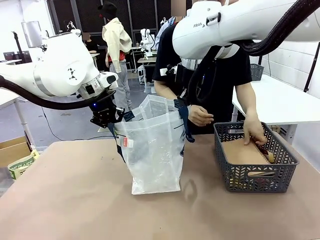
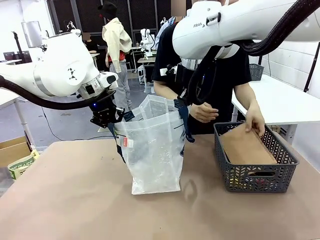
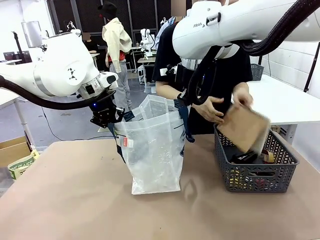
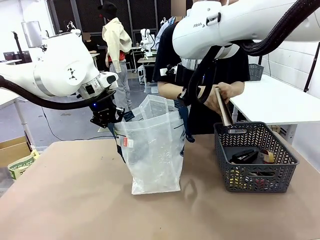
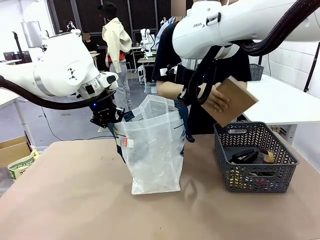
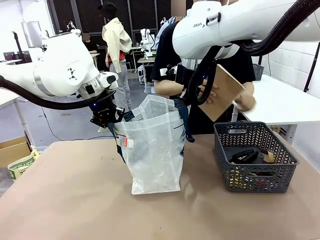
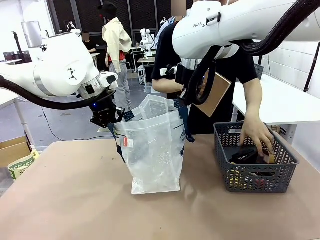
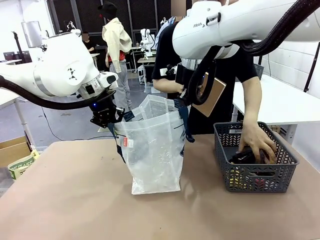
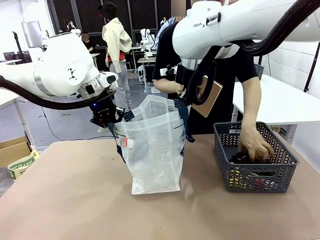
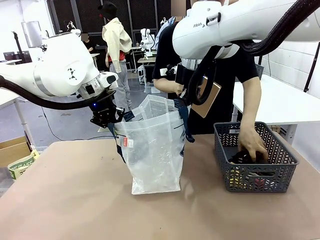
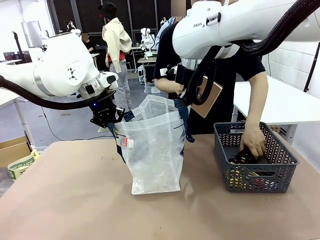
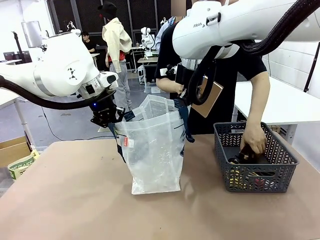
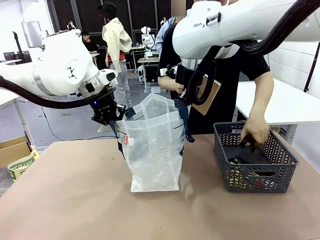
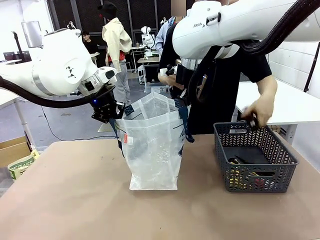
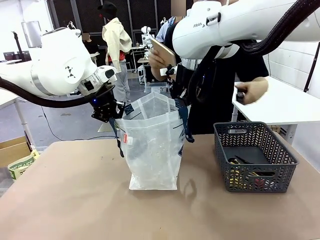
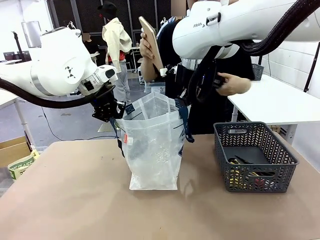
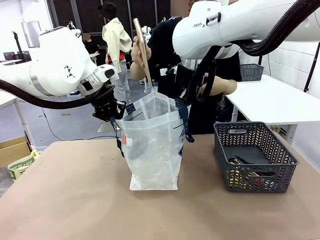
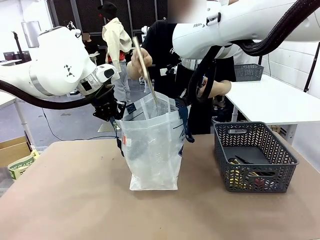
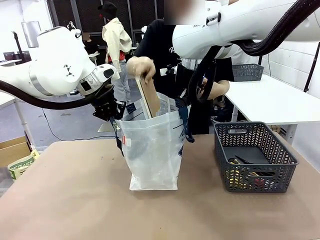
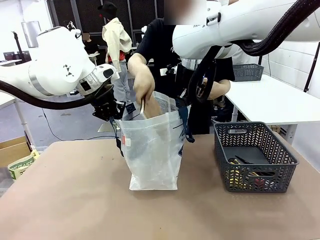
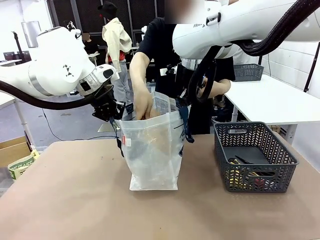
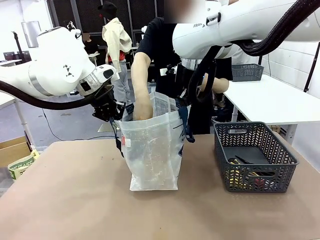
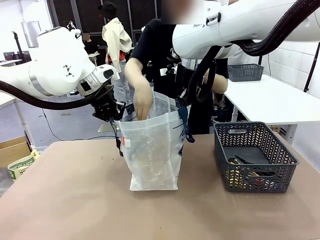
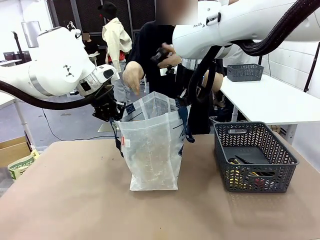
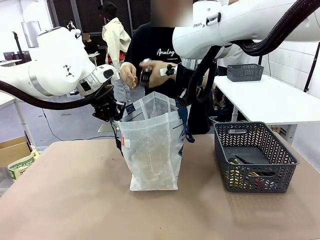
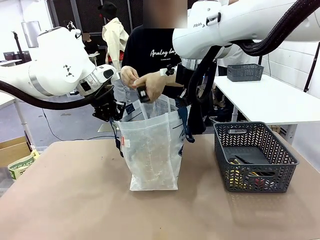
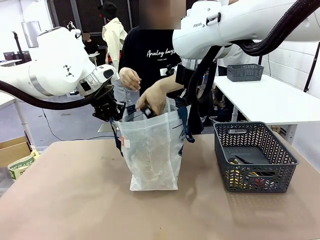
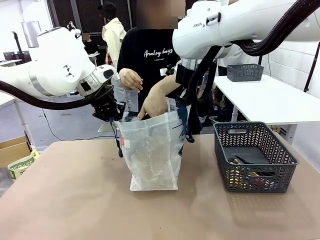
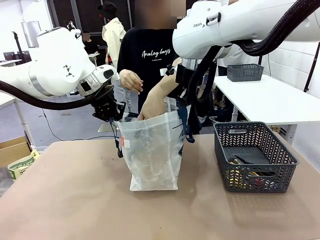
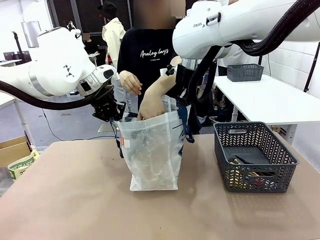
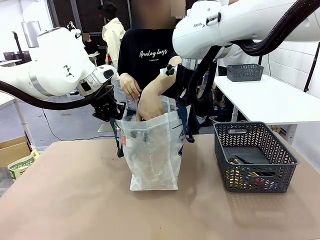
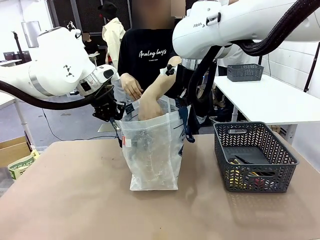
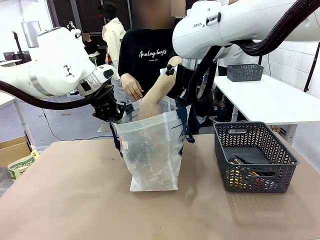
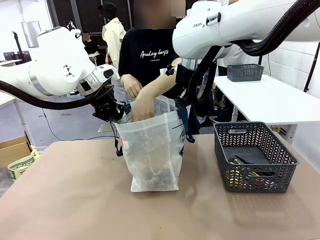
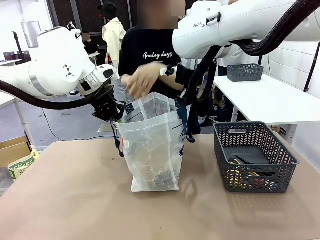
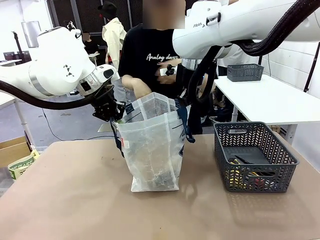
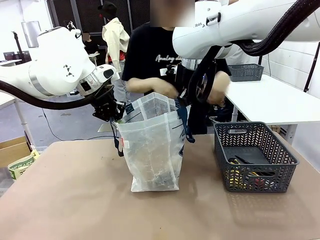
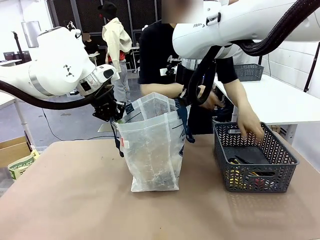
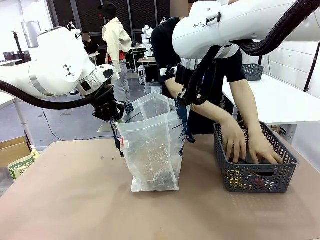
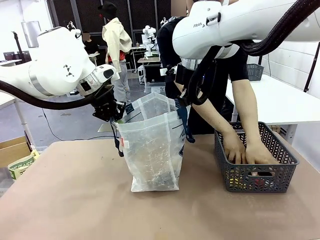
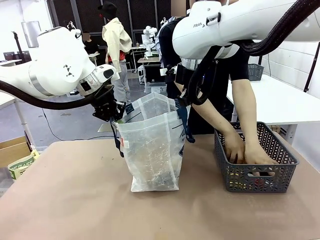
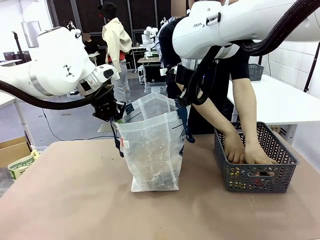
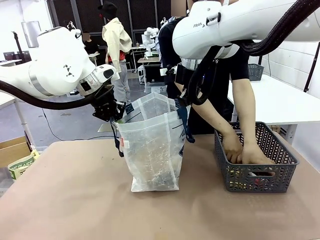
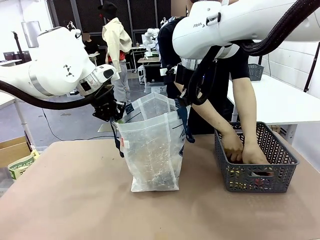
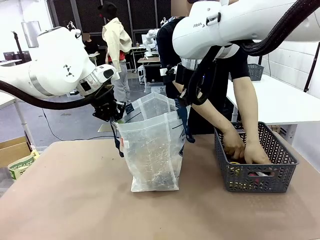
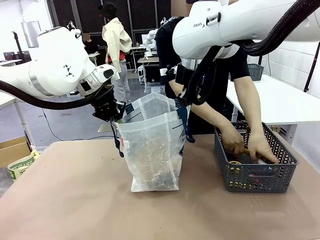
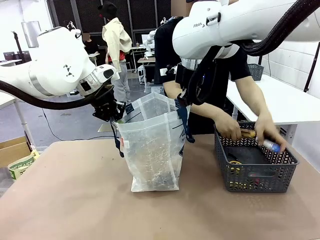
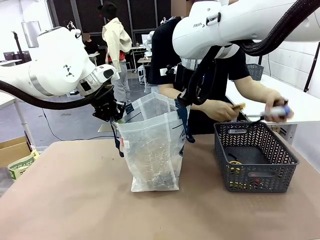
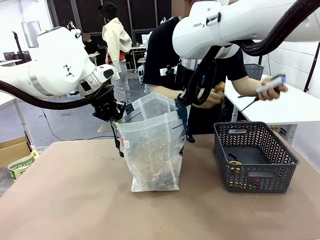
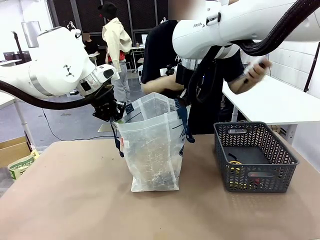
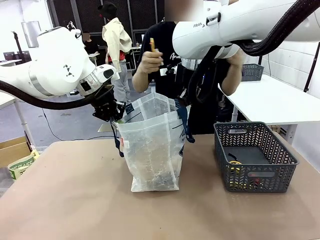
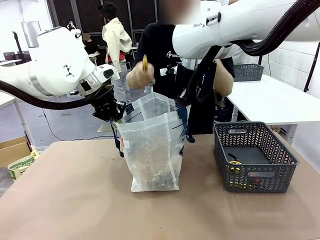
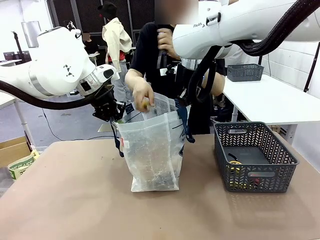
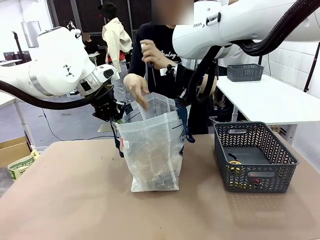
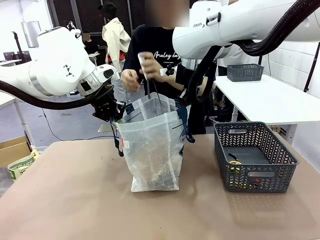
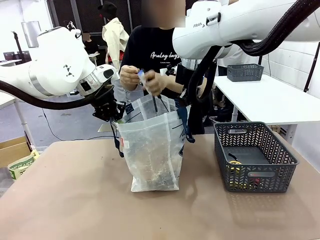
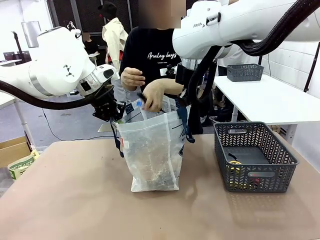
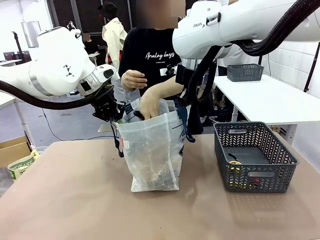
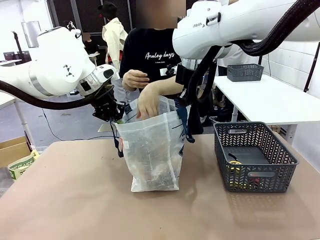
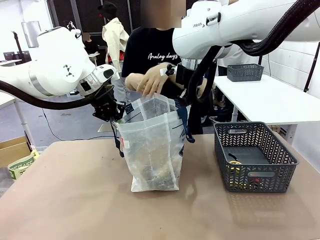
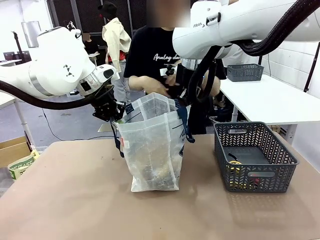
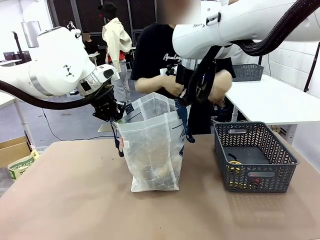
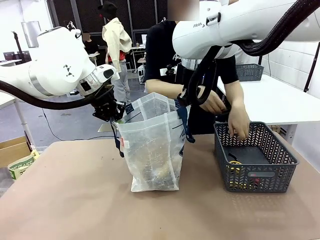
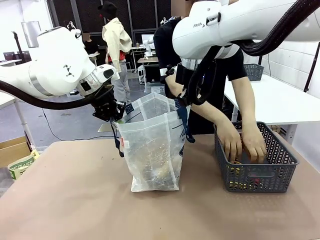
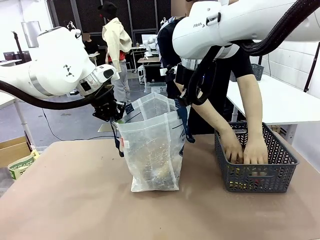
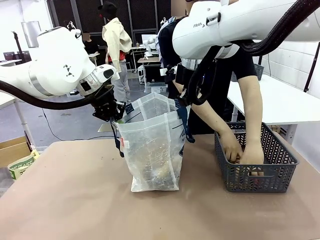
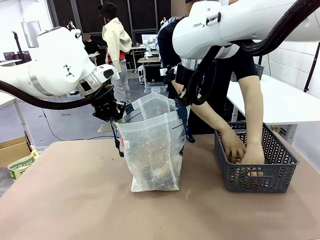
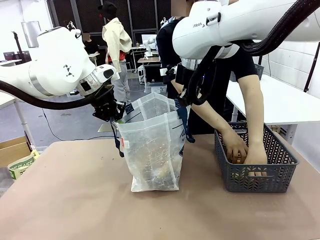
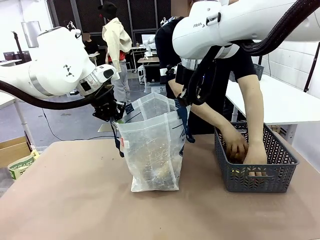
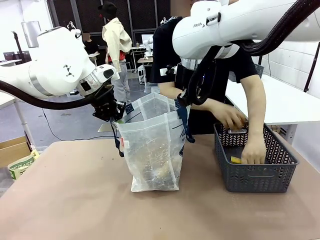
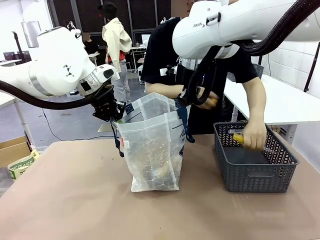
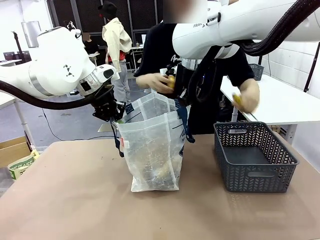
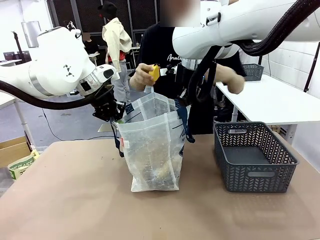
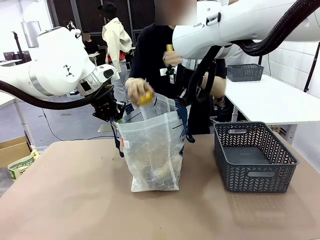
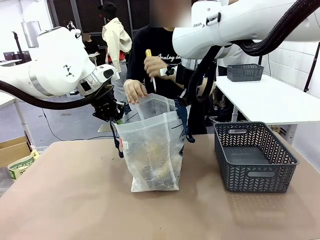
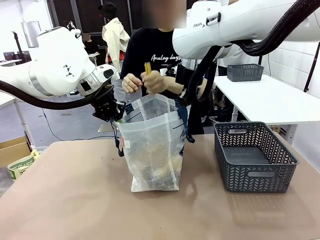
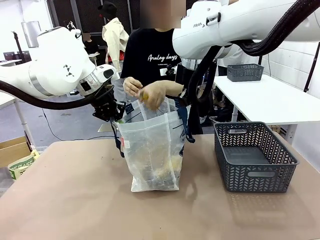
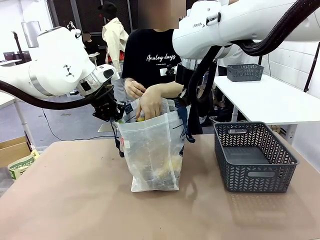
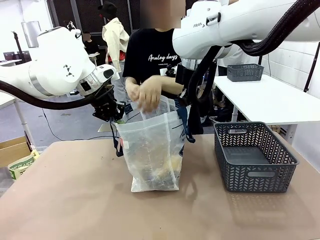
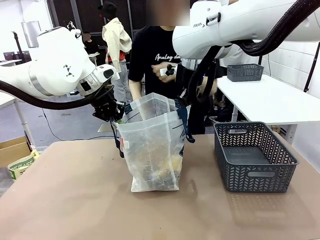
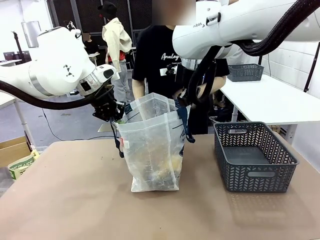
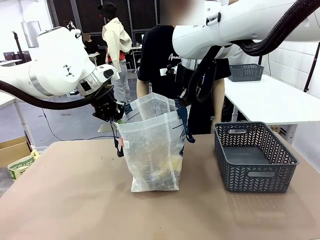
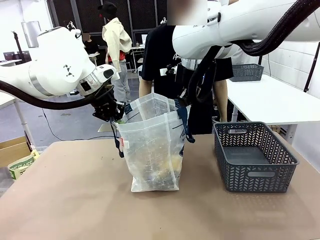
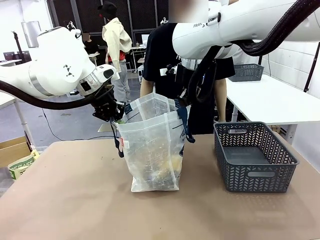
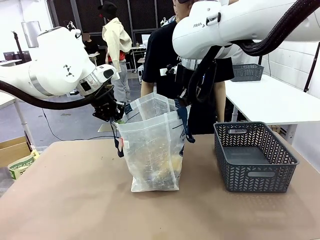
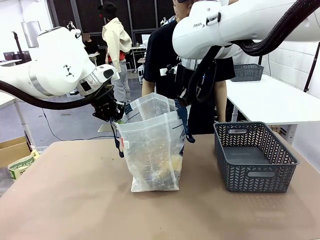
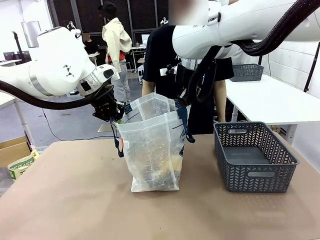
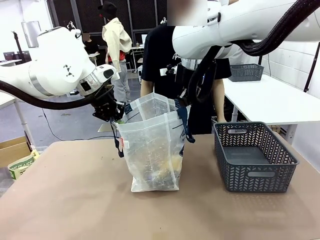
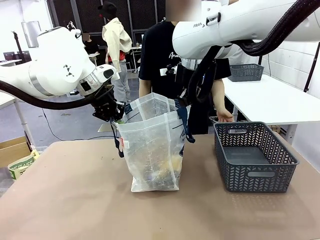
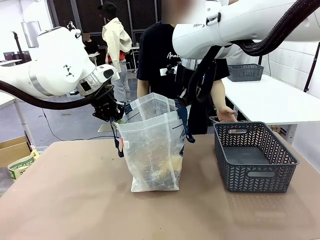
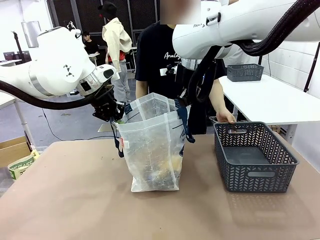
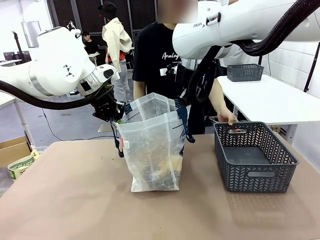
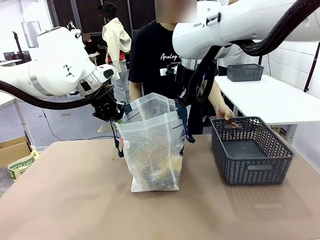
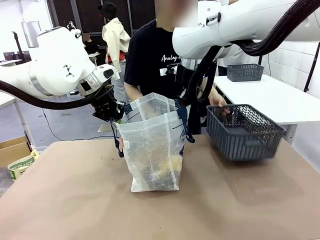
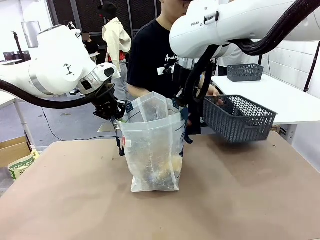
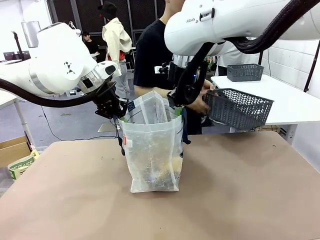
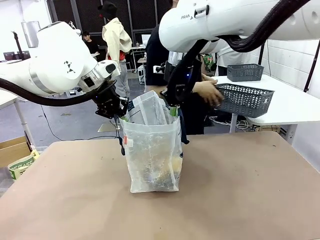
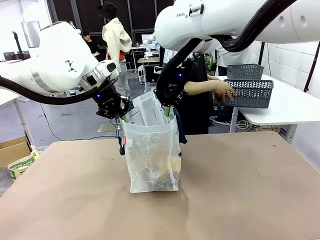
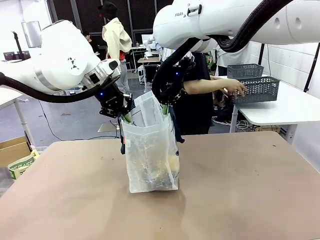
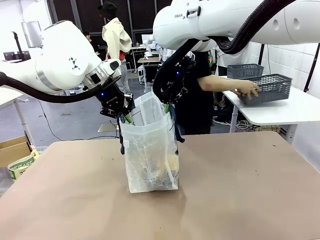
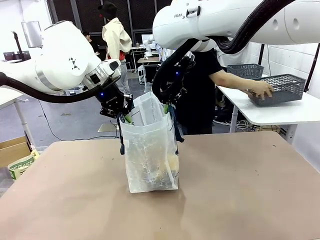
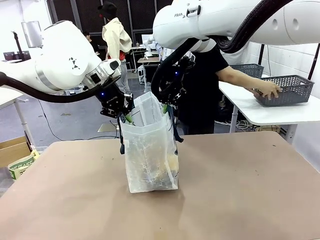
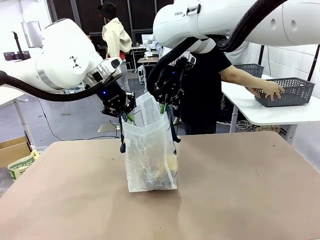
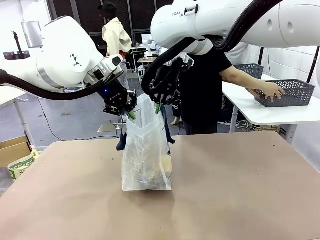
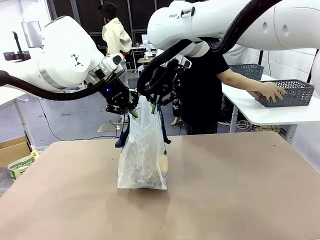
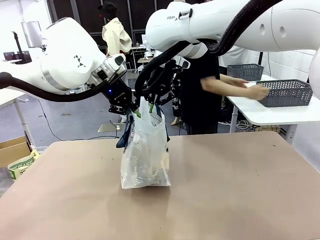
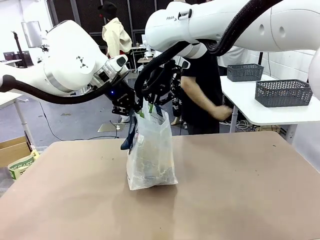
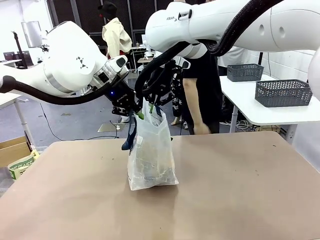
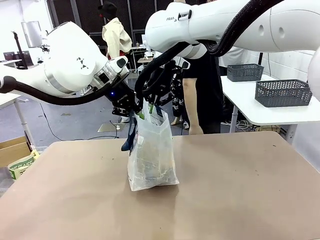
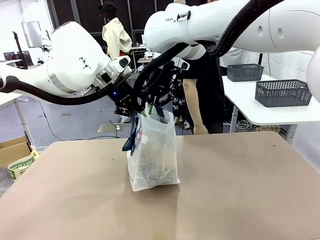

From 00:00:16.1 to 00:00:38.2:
Task: Transfer purchased items from the store into the shopping bag.
Robot: Move the Reusable shopping bag to the right side of the table.
Person: Pick up the basket on the right, place it on the left side of the robot table, and move the items in the basket to the shopping bag. Pick up the basket with the items out and place it on the right side of the human table.
